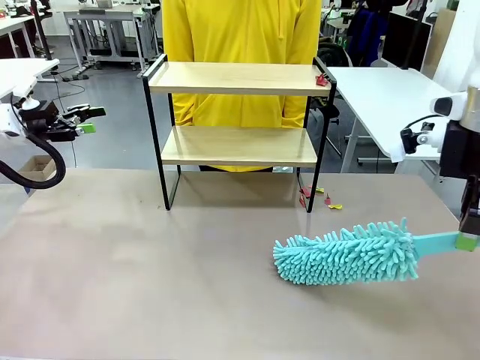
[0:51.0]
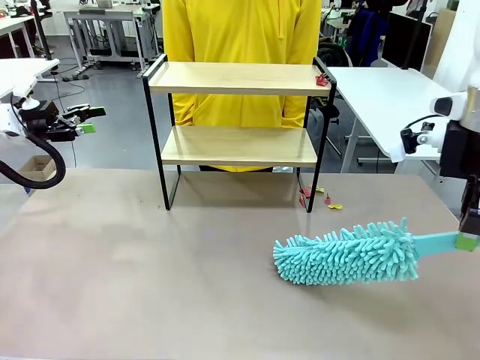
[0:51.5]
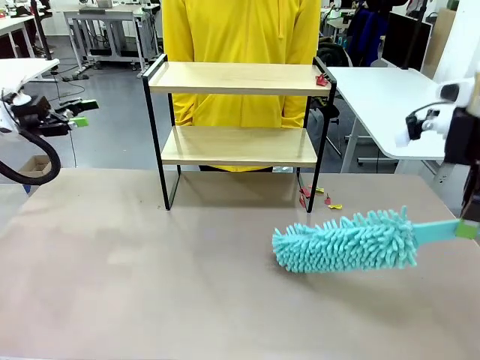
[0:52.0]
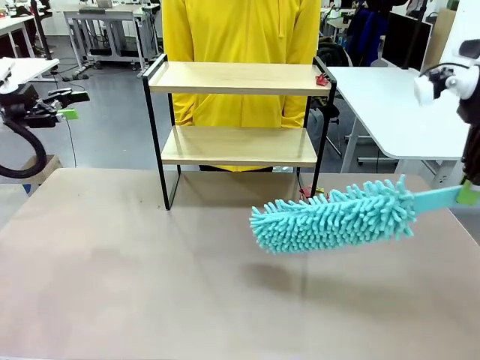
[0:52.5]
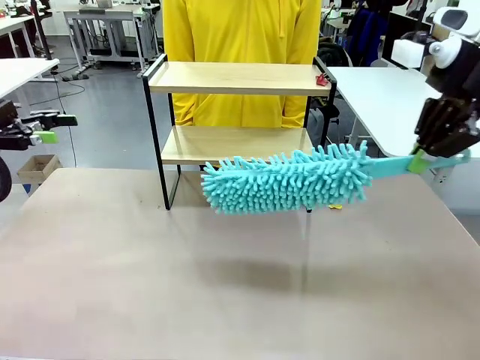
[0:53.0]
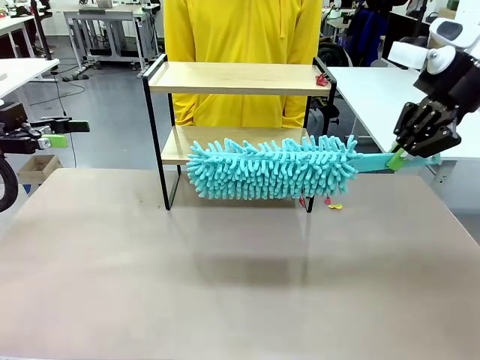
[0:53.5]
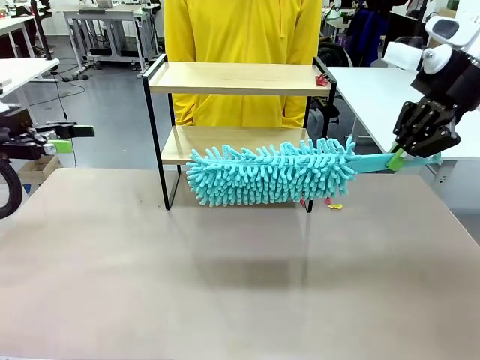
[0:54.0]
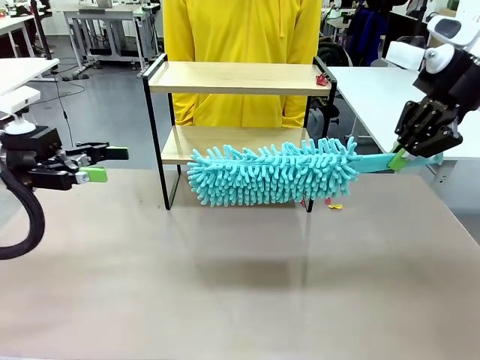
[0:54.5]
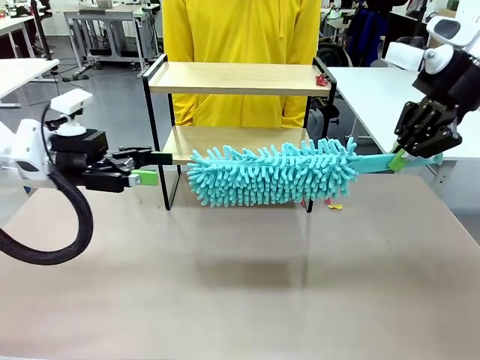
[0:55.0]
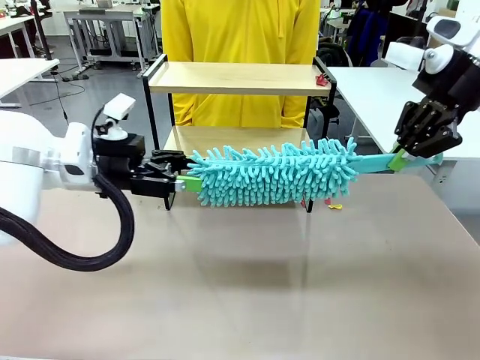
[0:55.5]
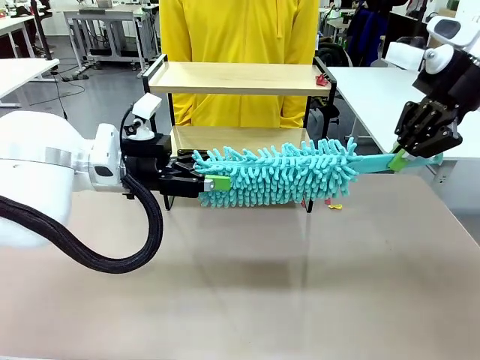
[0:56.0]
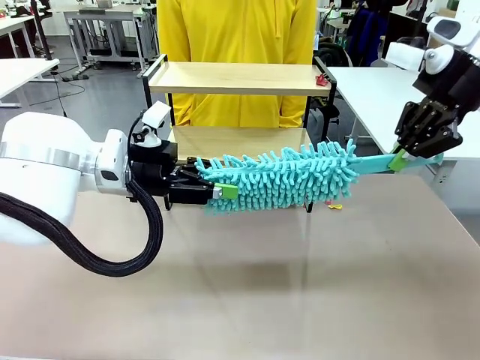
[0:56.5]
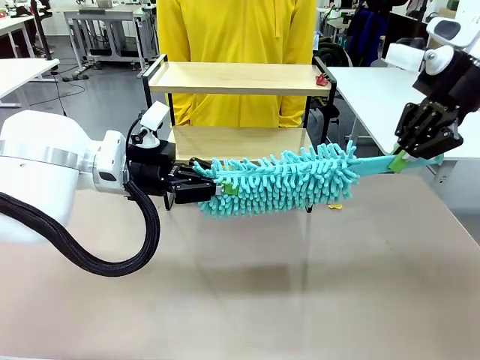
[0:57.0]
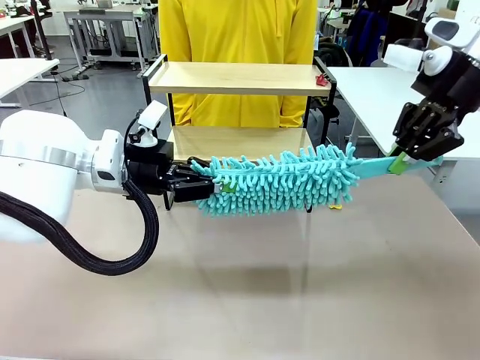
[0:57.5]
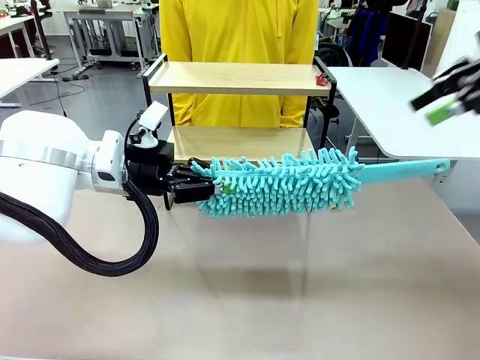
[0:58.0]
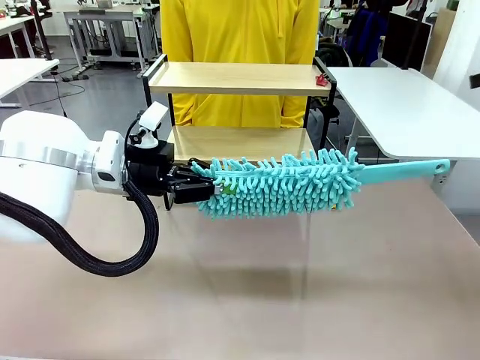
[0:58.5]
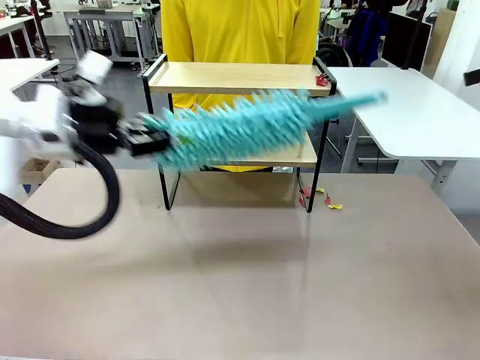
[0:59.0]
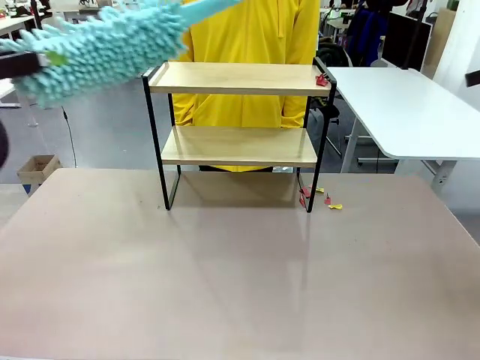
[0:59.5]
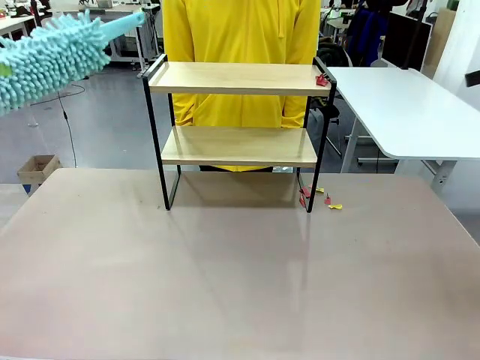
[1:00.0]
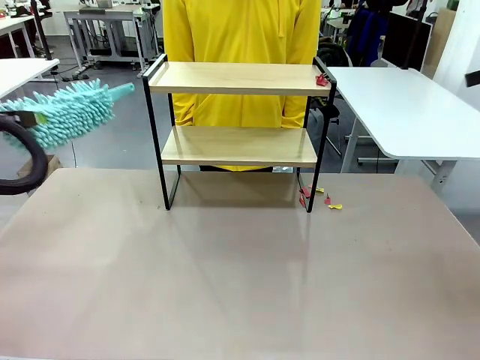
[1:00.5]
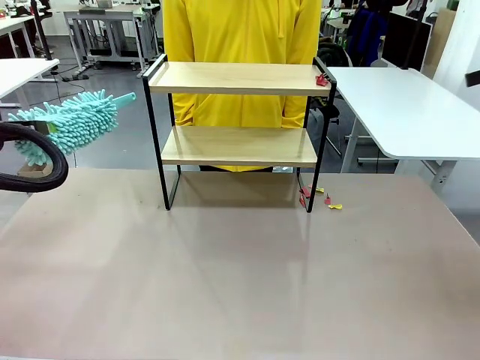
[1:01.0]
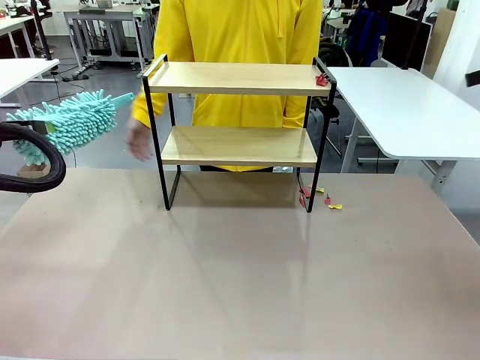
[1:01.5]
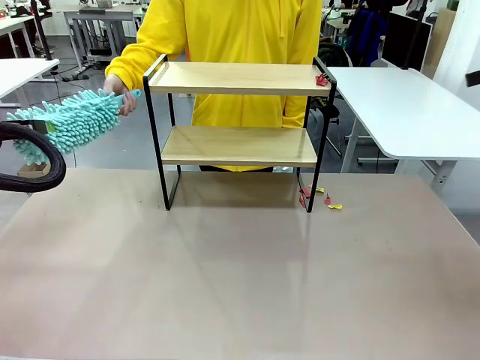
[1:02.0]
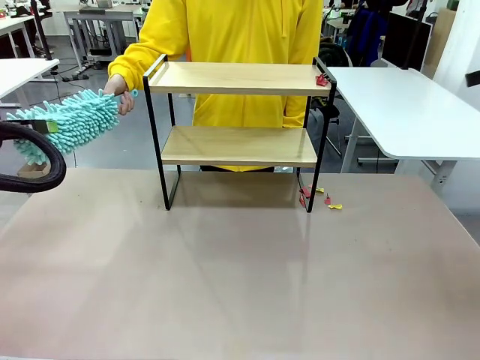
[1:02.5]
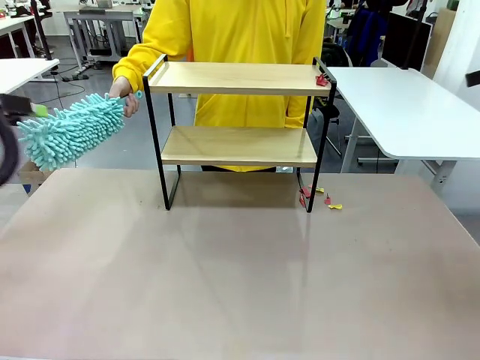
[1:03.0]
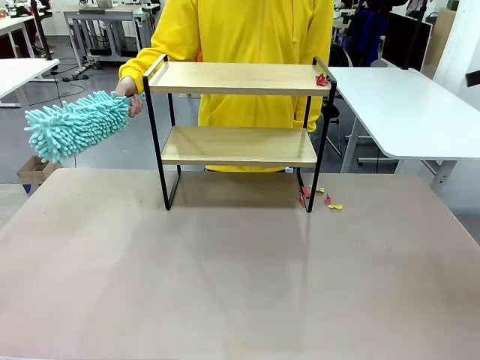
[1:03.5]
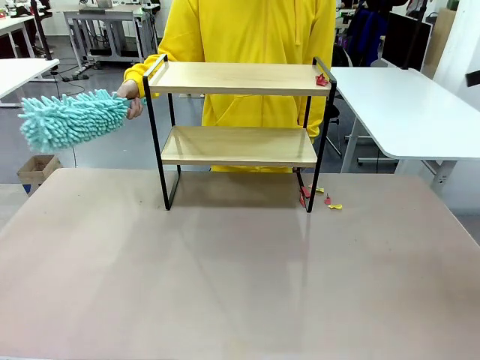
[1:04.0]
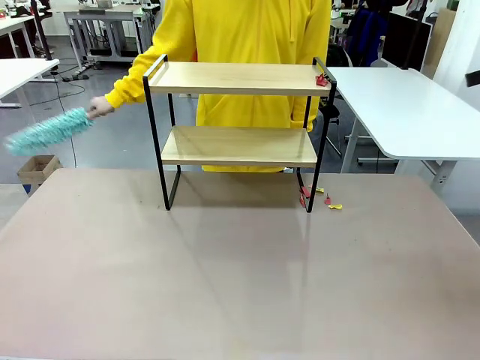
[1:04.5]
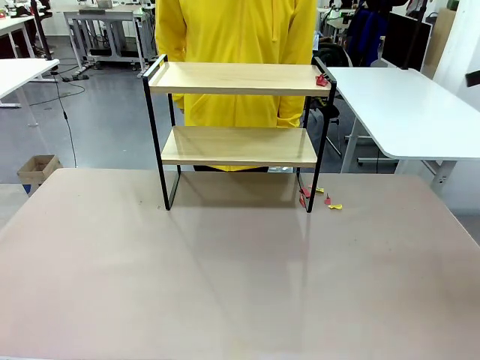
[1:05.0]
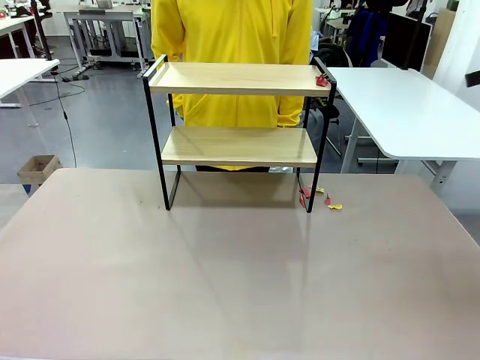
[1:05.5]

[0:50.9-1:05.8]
Task: Clean the shelf.
Robot: Hand the Duster back to the human.
Person: Receive the Duster from the robot.

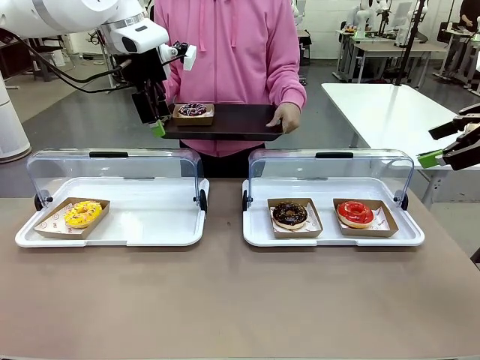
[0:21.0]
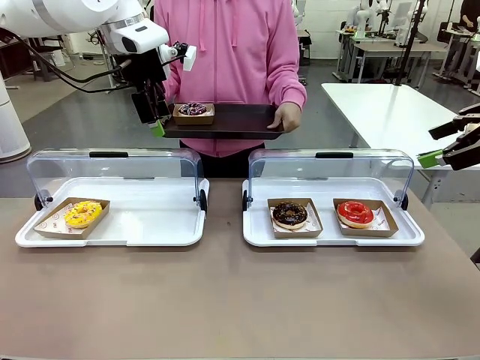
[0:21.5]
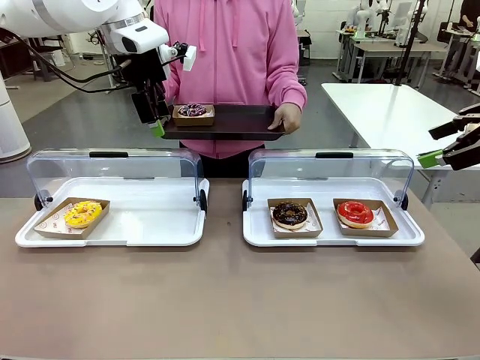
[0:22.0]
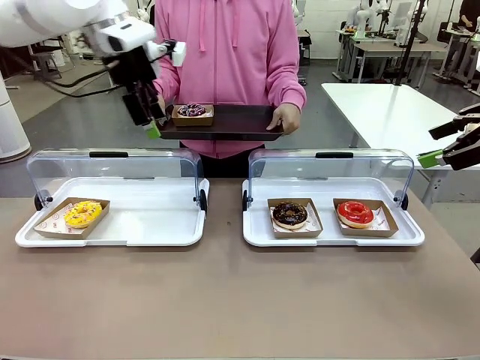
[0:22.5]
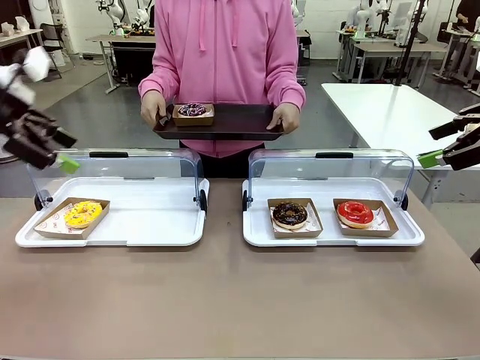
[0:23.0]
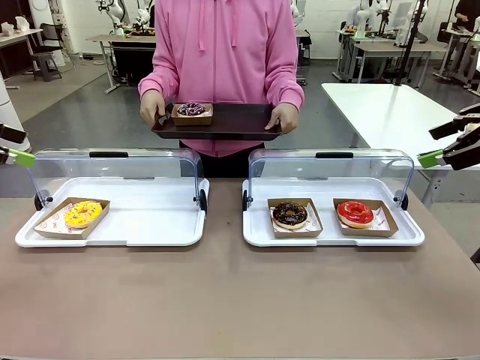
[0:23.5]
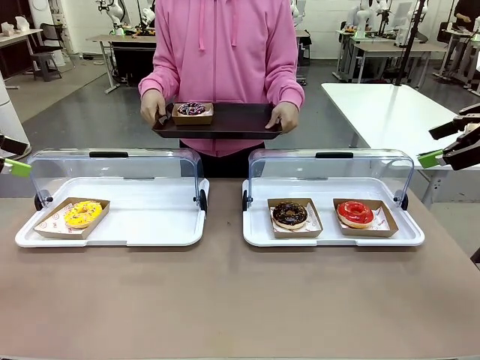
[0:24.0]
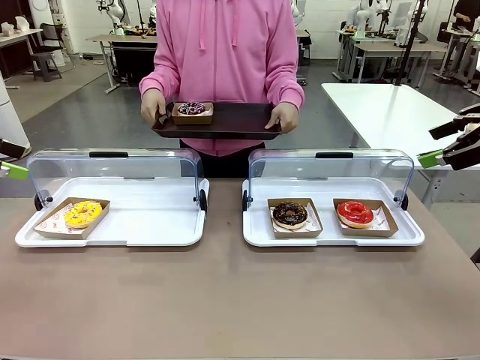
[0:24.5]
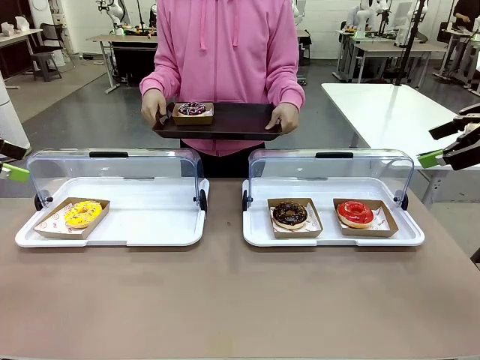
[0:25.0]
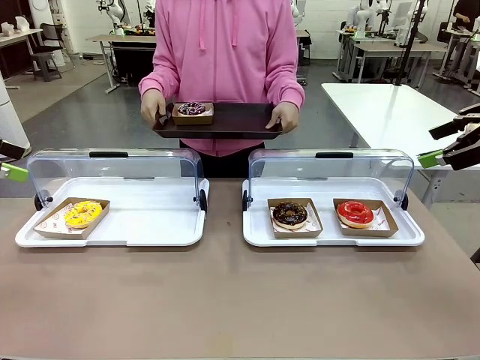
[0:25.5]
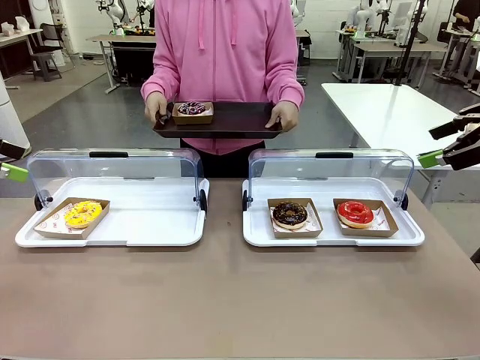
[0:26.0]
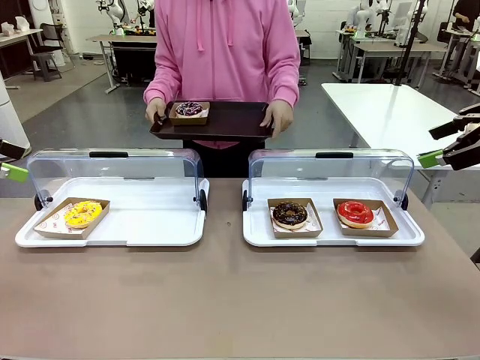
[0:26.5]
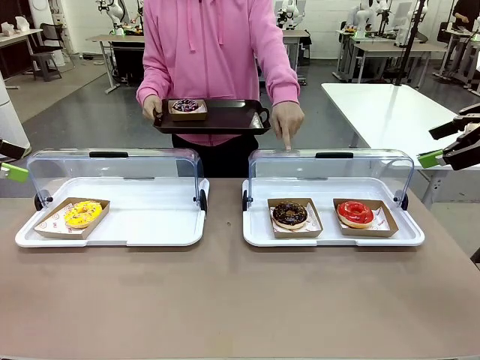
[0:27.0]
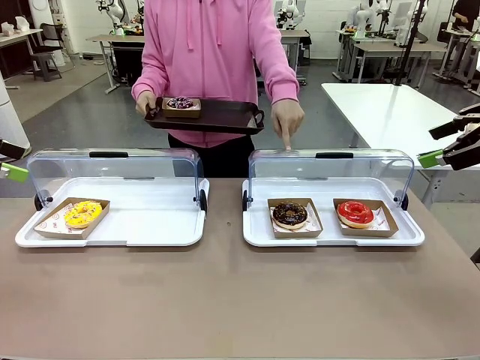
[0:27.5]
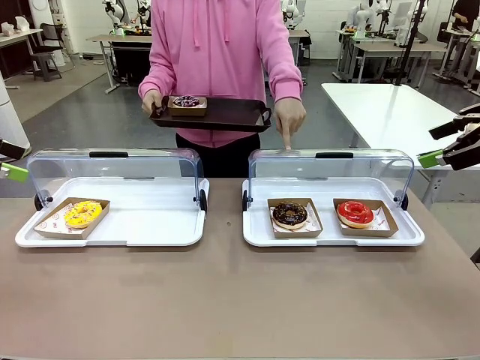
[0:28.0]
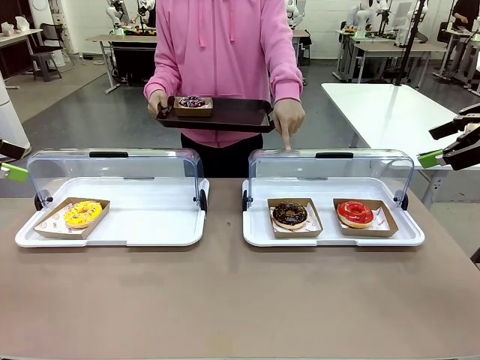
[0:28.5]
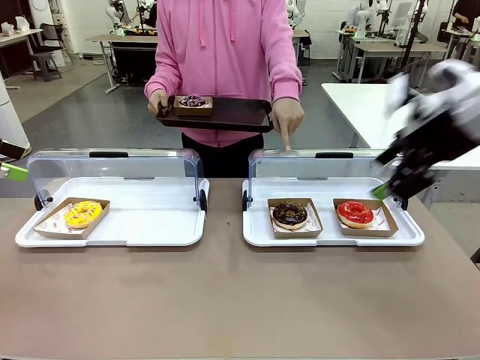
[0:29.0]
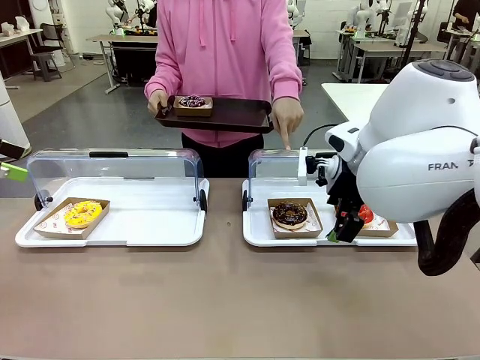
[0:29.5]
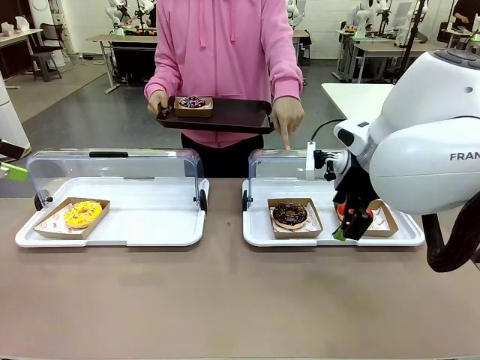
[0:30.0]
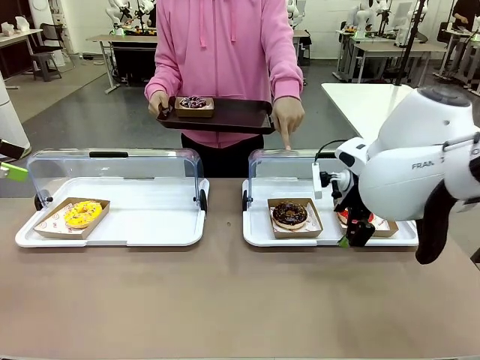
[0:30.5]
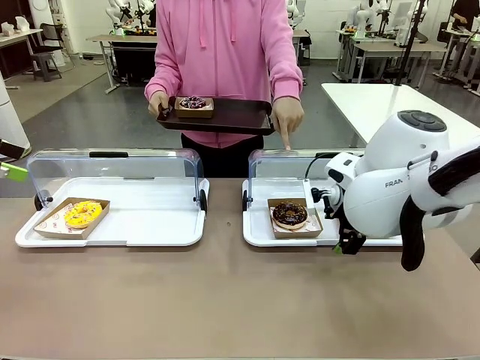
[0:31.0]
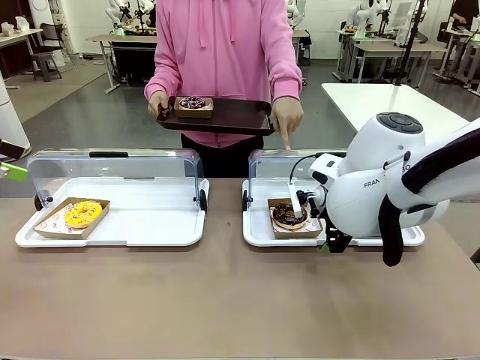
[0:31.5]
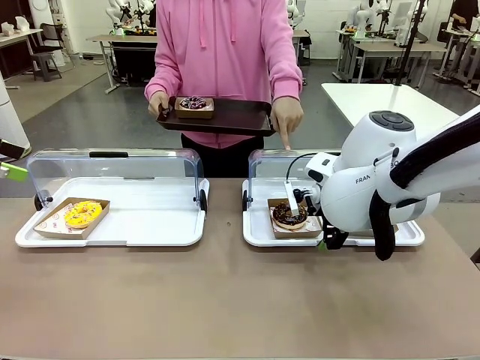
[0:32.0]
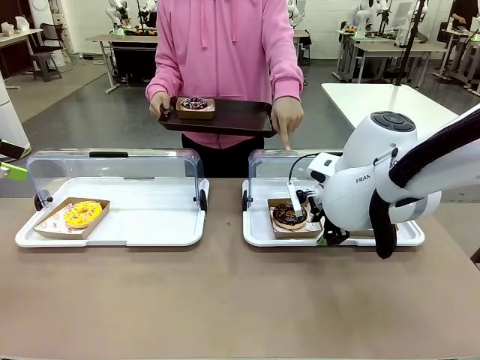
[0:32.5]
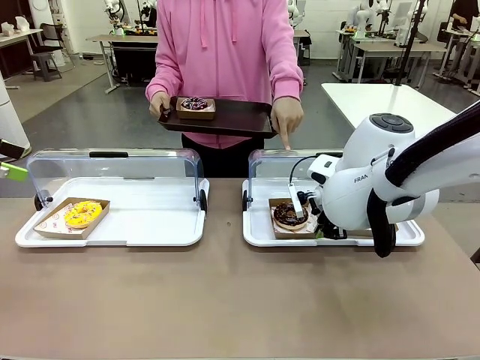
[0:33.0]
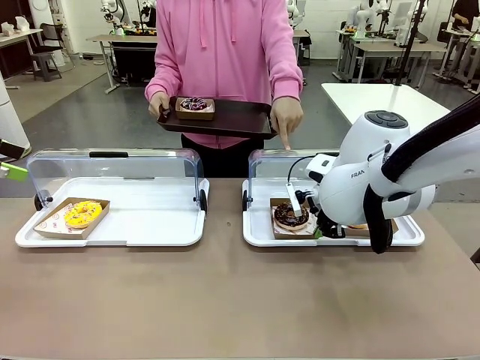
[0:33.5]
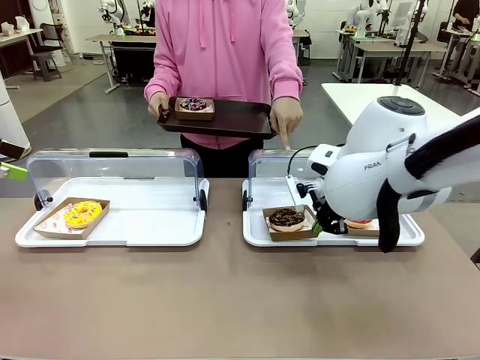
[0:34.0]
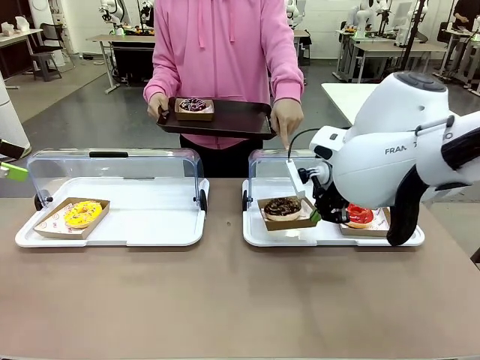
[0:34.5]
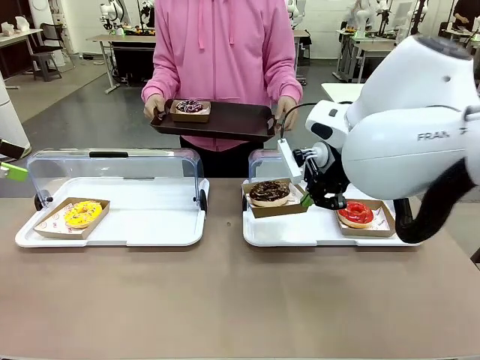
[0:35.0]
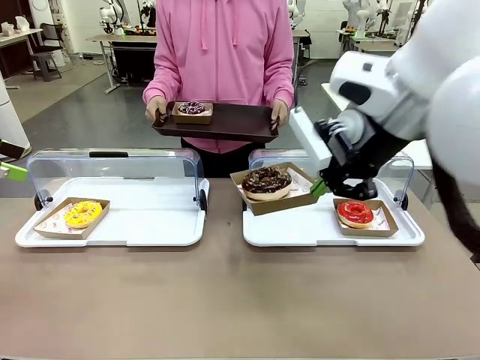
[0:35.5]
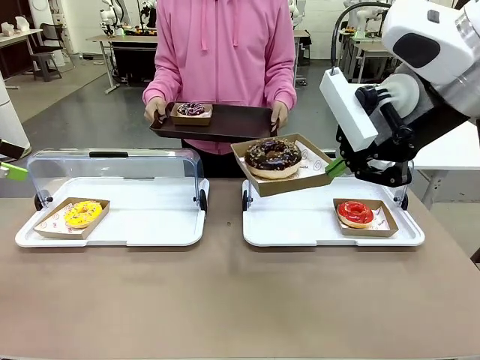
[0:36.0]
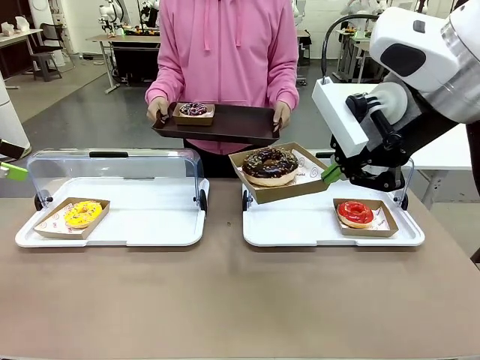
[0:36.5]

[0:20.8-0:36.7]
Task: Provide the desired donut to the person.
Robot: Pick up and lift the Paper togo box containing the Donut pointed at by the person.
Person: Point to one donut. Lift the tray onto the Roll-Top Bakery Case.
